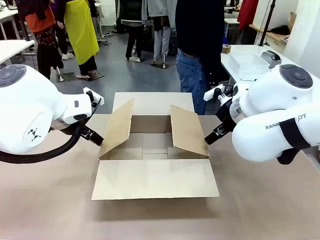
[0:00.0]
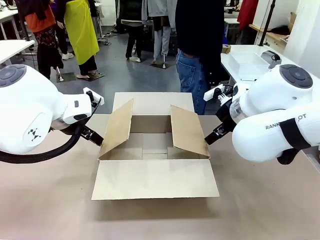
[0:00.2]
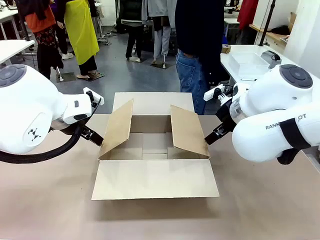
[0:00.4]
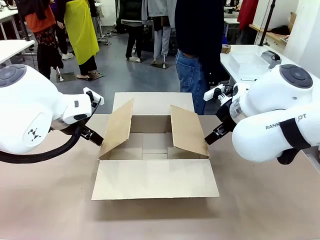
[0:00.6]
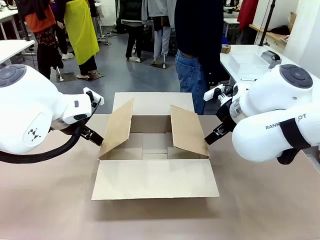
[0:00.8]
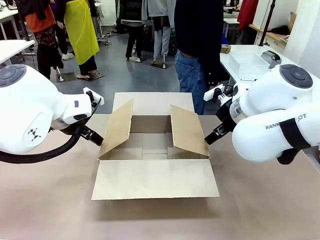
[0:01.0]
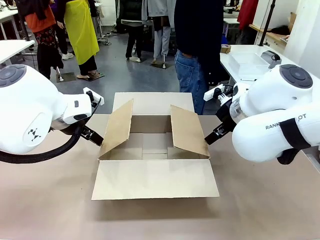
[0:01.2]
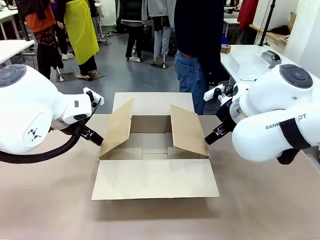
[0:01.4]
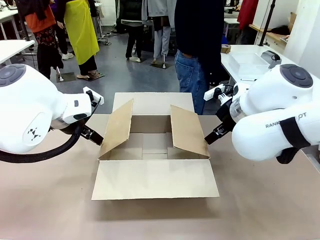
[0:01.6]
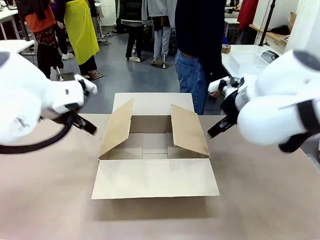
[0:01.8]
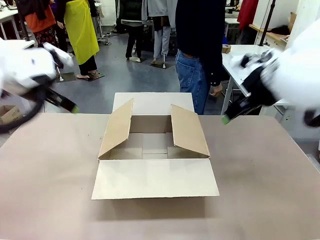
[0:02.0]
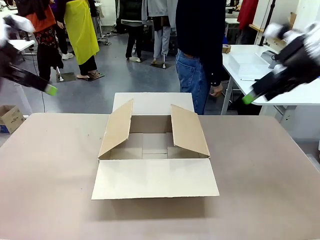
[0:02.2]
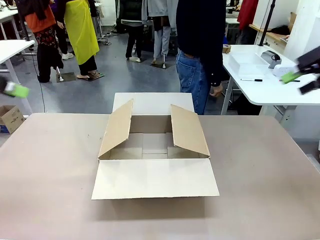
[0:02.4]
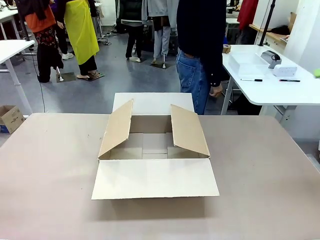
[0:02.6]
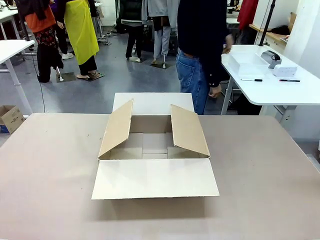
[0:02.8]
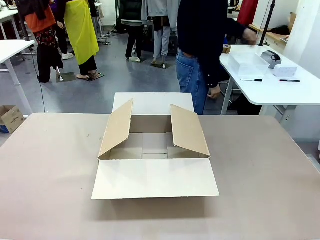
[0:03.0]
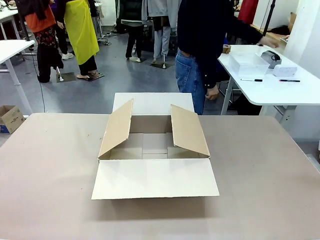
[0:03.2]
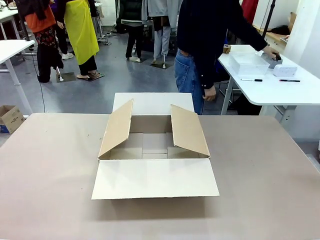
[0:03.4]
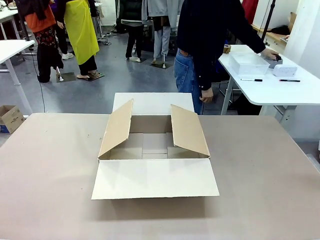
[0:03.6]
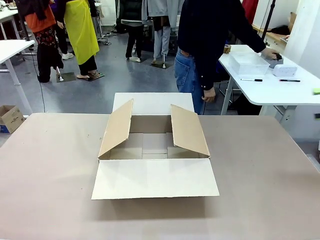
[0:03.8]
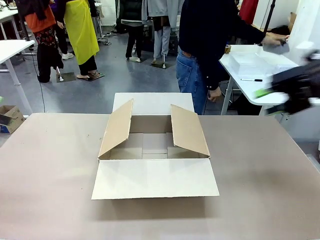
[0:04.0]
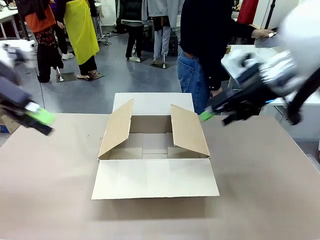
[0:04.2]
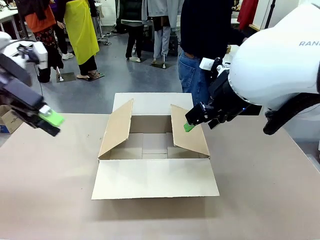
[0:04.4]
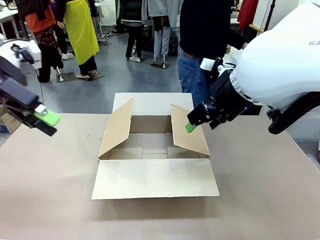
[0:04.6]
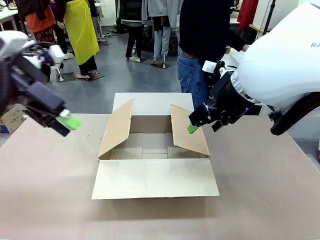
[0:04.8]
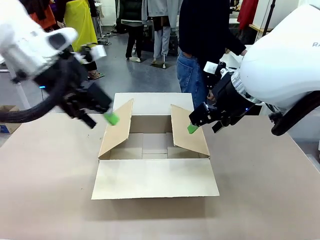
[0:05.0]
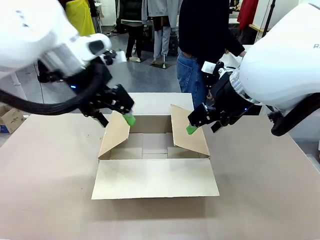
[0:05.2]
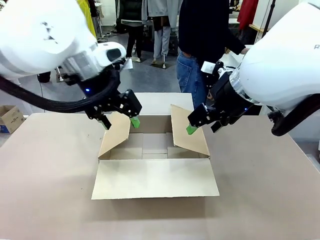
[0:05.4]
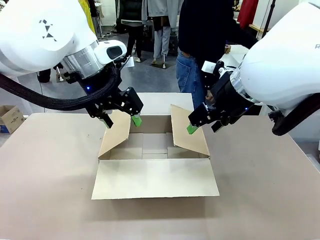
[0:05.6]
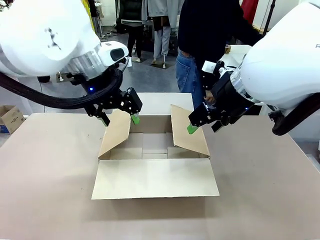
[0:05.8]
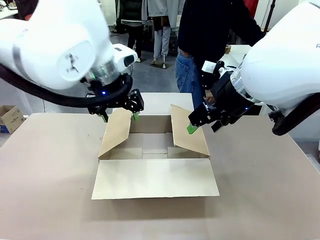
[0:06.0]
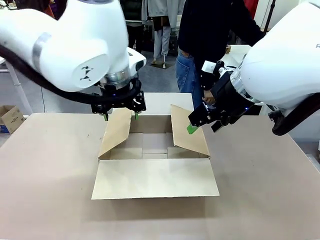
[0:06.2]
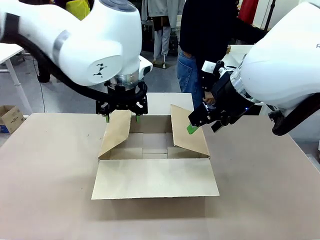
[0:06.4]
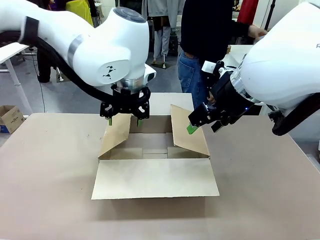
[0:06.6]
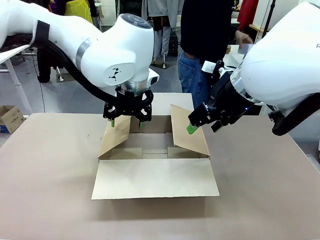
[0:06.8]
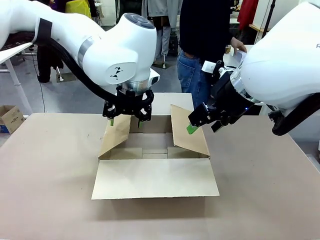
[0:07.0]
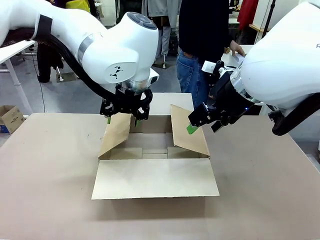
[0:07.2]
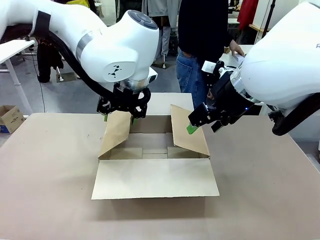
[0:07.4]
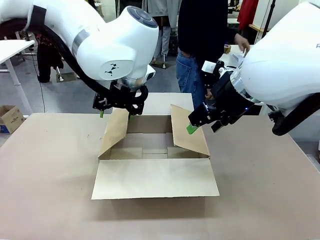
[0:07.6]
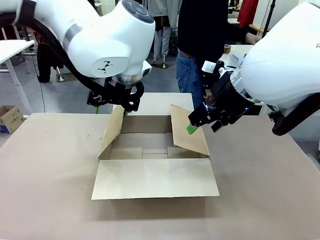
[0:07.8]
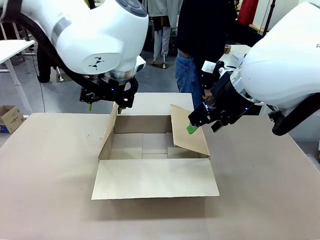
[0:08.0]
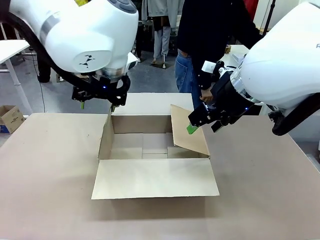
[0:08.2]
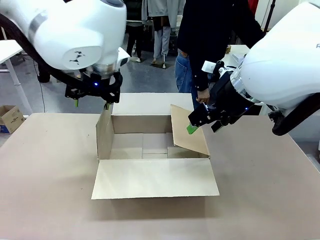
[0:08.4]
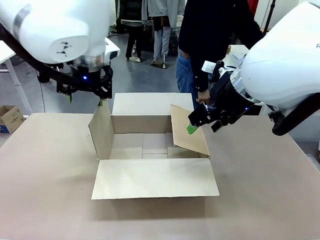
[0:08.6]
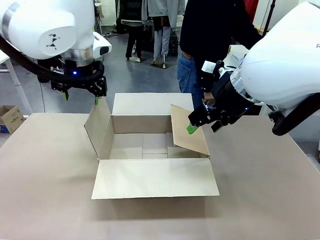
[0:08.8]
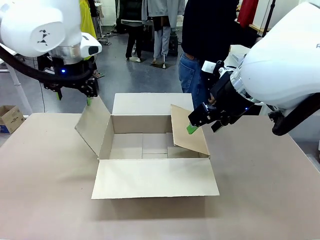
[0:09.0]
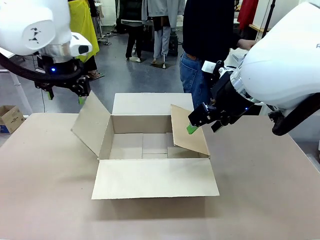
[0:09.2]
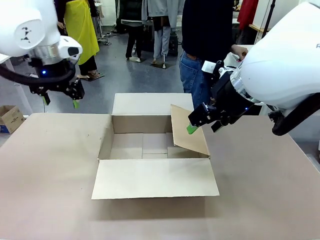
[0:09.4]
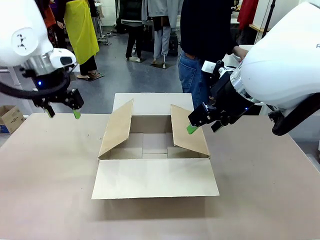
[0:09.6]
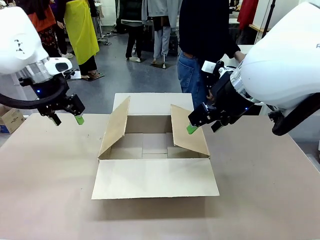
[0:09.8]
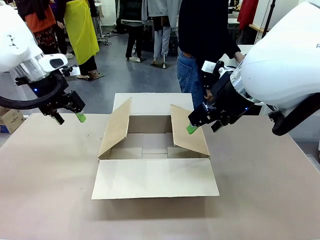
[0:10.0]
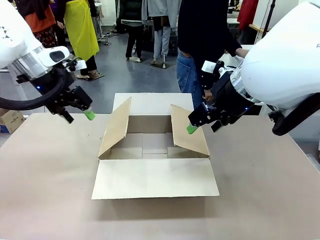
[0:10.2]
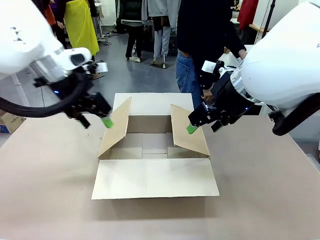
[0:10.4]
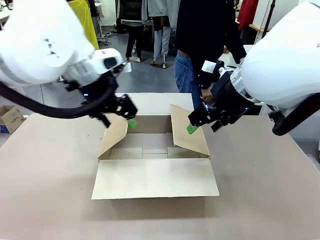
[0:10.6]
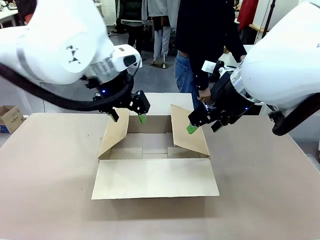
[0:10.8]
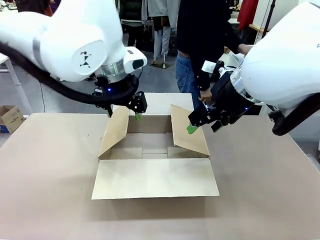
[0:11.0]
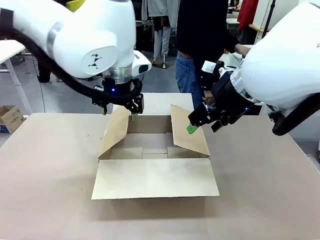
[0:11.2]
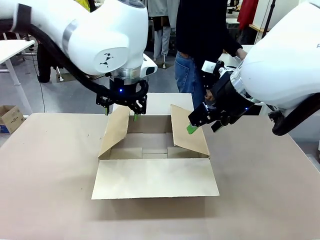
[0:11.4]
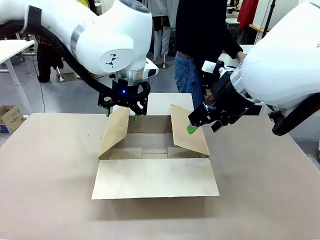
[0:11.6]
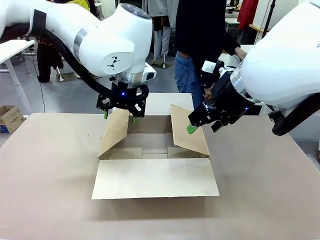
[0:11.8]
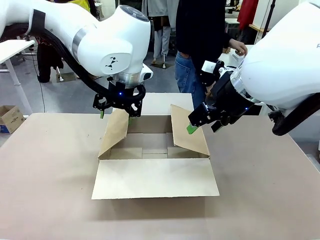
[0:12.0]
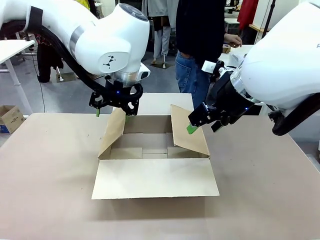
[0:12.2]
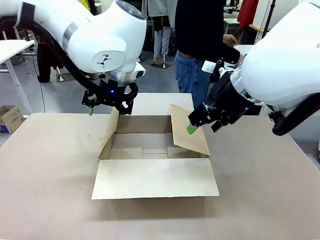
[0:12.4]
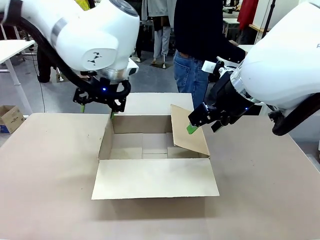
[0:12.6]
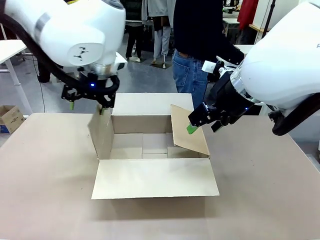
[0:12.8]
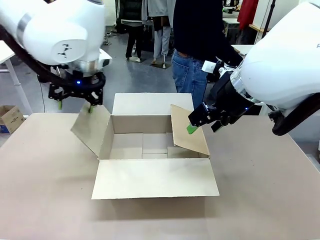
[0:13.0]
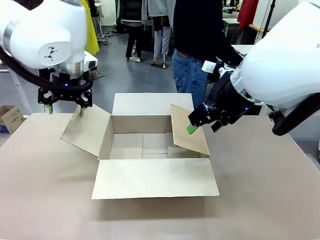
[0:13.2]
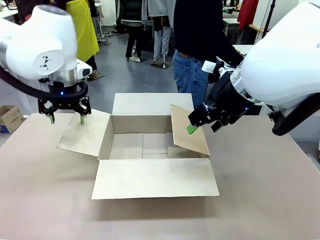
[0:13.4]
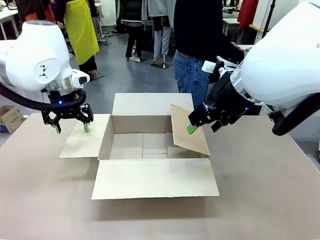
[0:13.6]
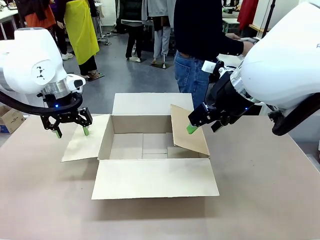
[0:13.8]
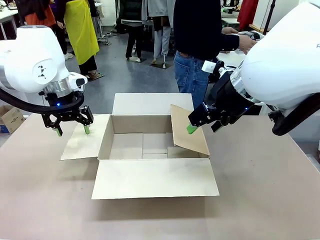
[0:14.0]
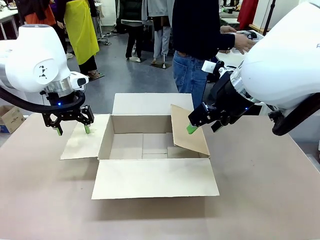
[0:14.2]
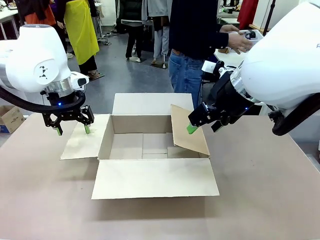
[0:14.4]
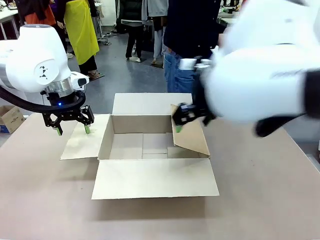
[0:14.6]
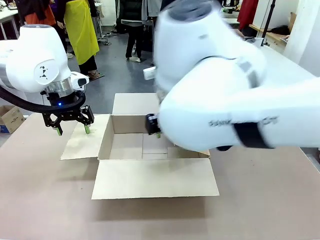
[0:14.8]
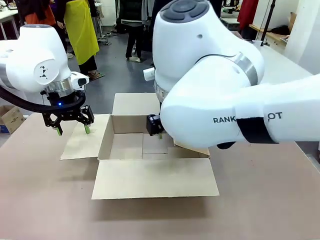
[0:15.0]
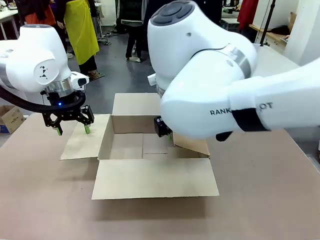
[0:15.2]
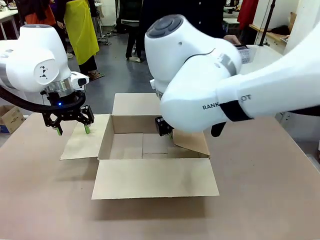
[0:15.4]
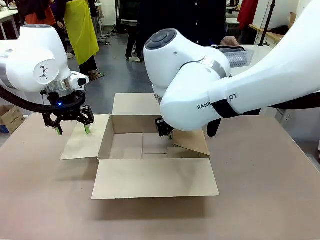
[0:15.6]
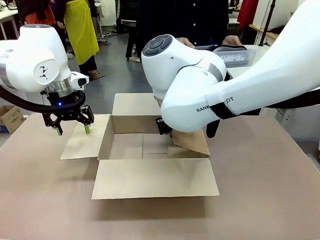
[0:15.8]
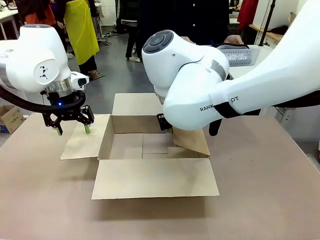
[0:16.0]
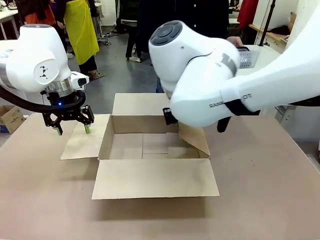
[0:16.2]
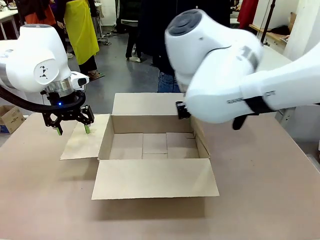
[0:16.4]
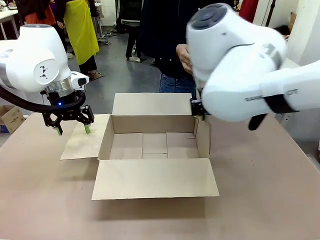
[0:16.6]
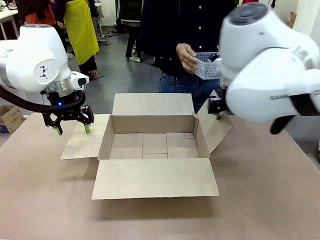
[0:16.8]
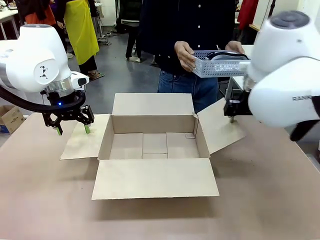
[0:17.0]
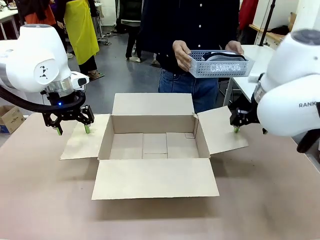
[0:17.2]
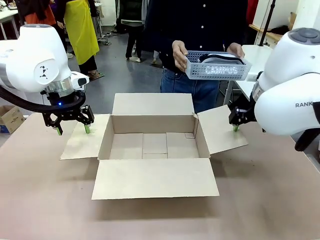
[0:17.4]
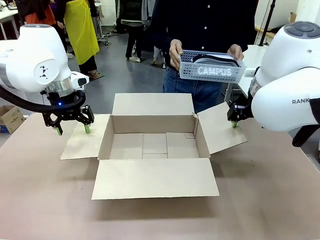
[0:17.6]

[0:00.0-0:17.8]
Task: Pack the gift set into the box.
Robot: Place both hands on the side flaps of the Package Box and spread them outward.
Person: The human places all items except the paper tape into the organizing basket.

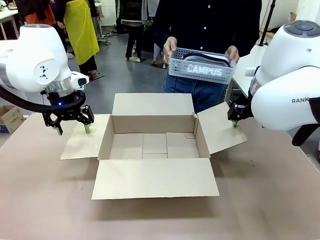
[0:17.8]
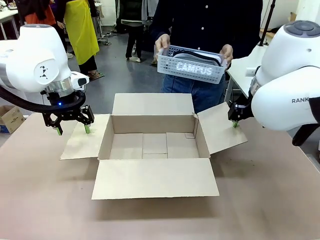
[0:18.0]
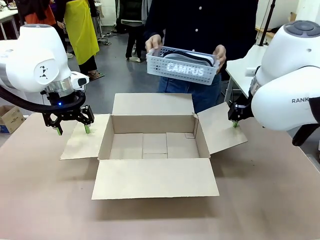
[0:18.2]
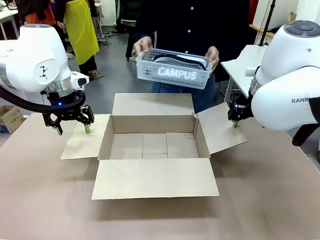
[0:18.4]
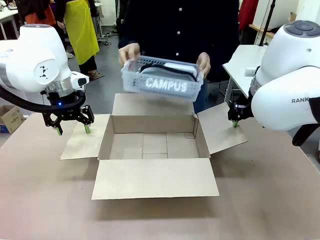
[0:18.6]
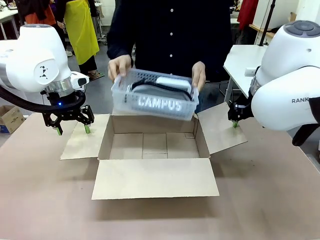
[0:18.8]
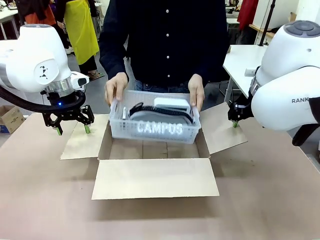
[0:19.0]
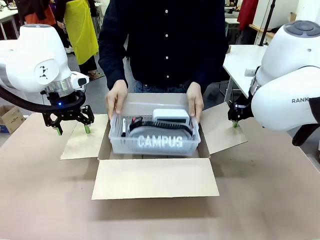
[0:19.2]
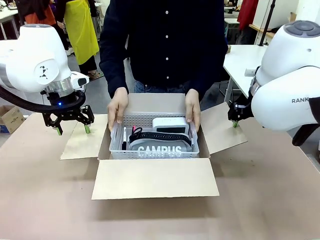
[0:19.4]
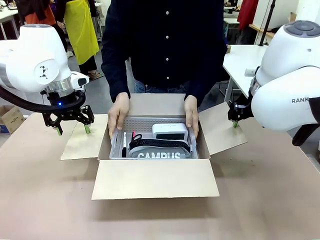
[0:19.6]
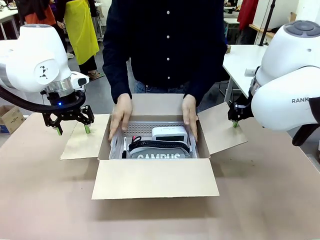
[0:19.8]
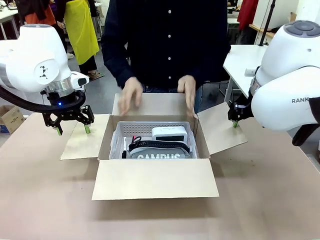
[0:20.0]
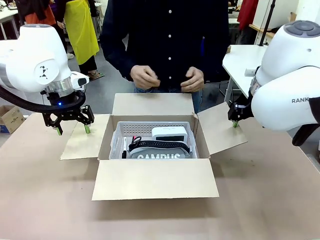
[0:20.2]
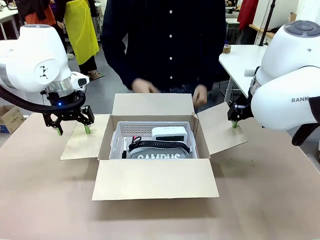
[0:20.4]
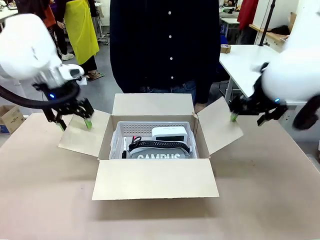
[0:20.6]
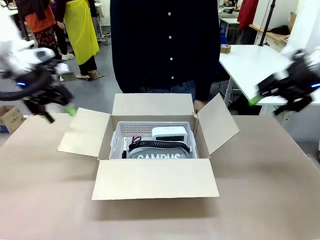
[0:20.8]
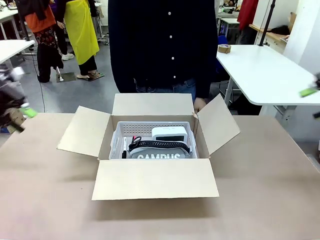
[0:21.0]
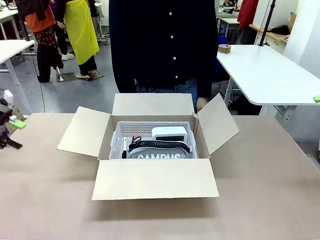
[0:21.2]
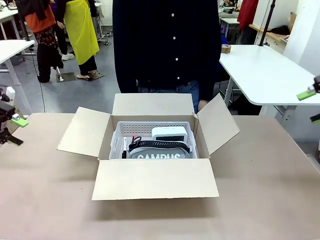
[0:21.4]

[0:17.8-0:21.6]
Robot: Lift both hands away from the flaps of the Package Box.
Person: The human picks up the organizing basket and places the organizing basket into the package box on the robot table.
